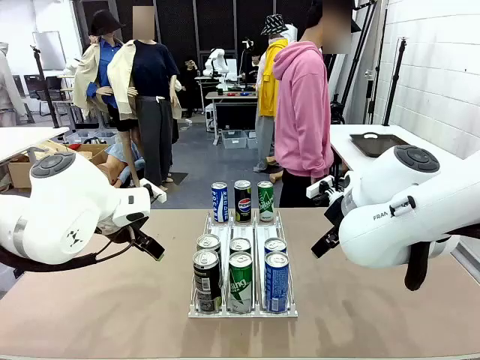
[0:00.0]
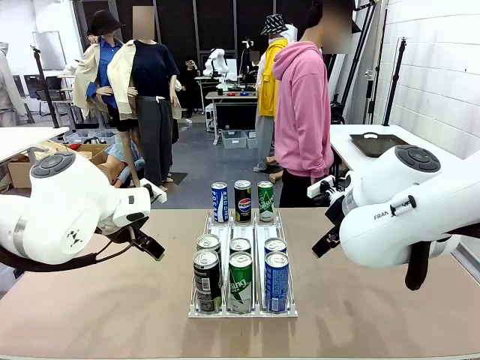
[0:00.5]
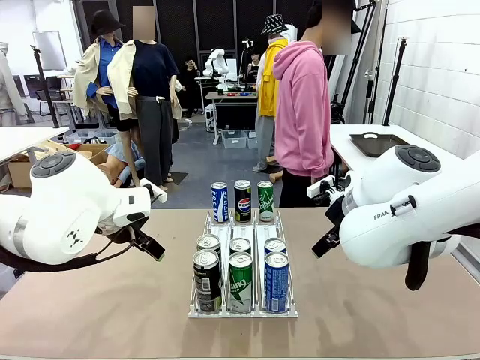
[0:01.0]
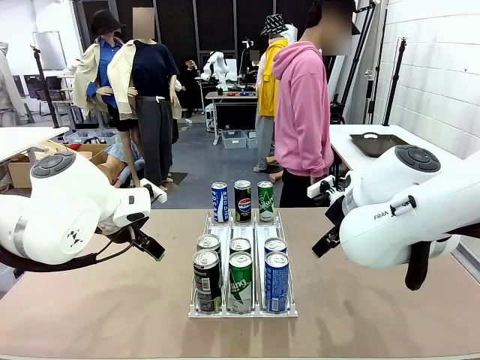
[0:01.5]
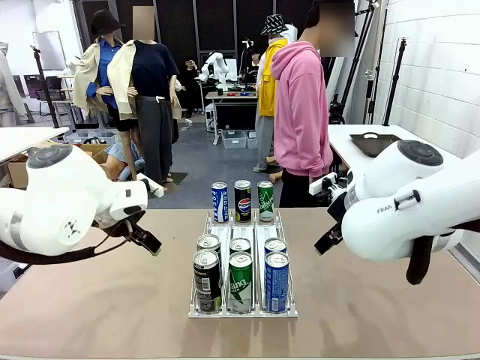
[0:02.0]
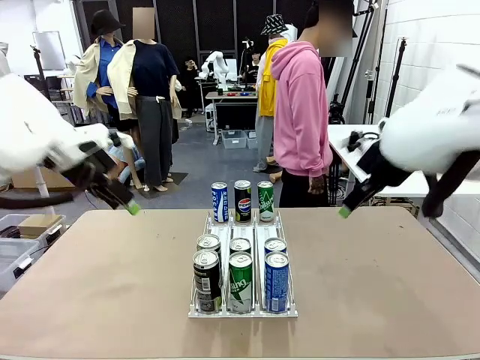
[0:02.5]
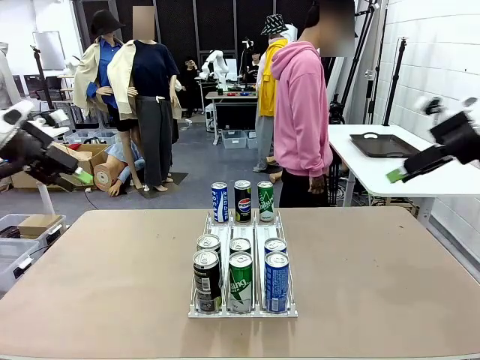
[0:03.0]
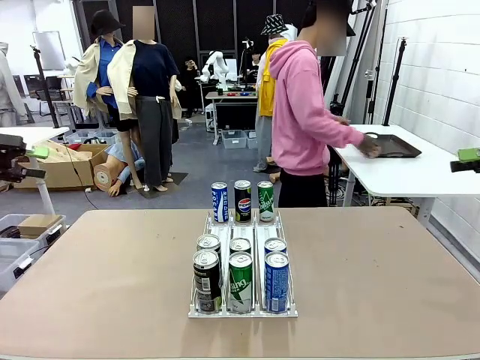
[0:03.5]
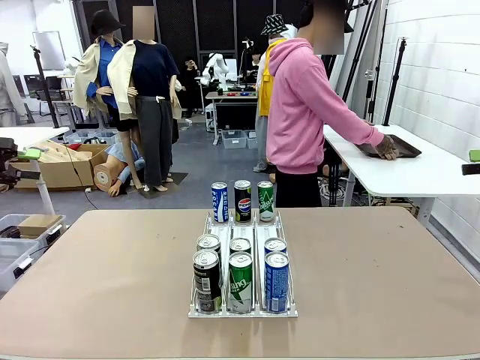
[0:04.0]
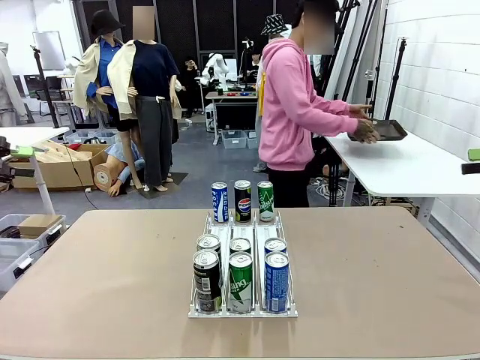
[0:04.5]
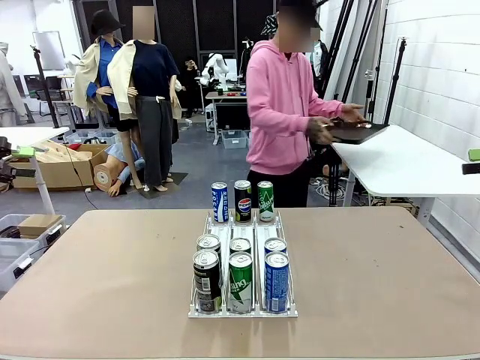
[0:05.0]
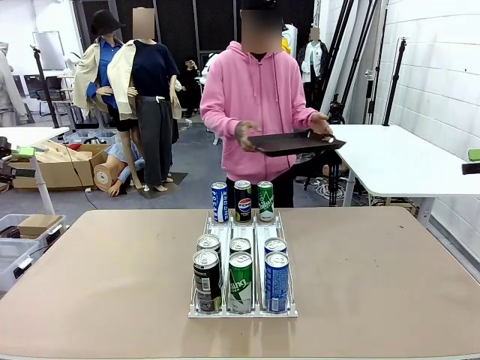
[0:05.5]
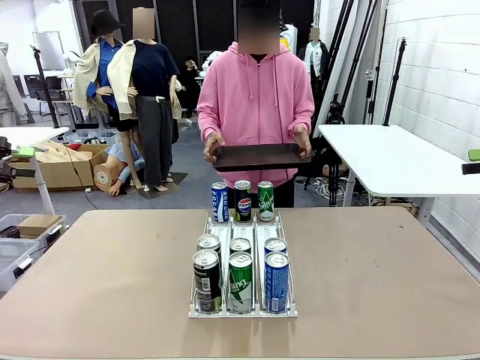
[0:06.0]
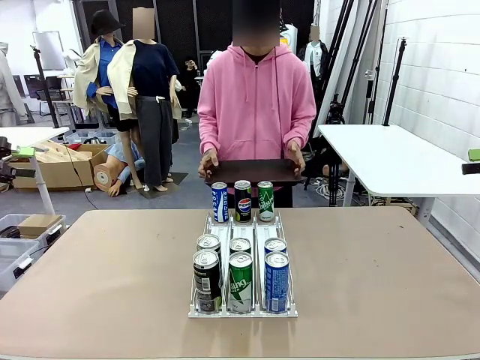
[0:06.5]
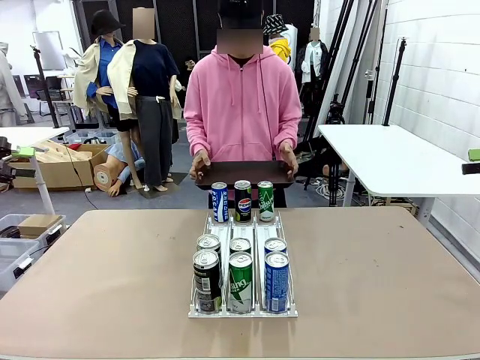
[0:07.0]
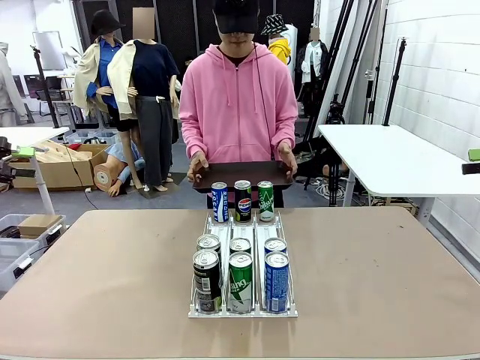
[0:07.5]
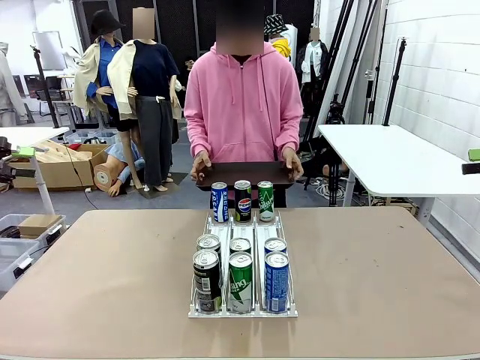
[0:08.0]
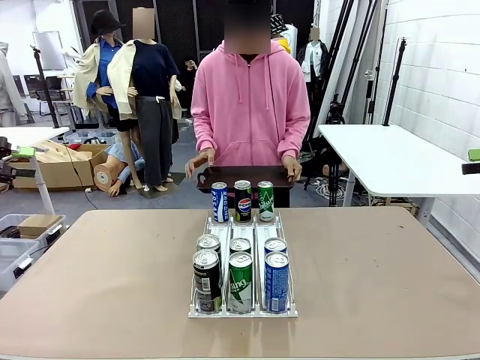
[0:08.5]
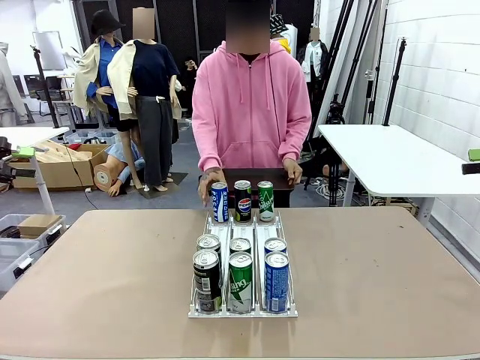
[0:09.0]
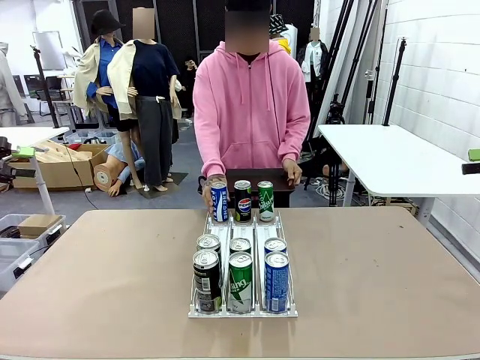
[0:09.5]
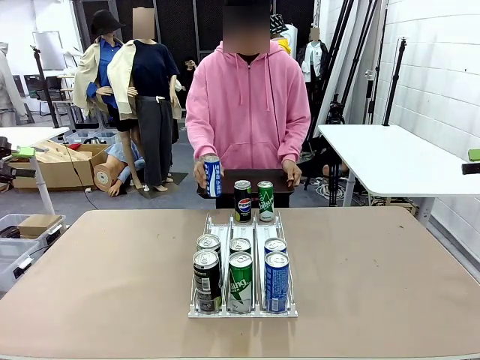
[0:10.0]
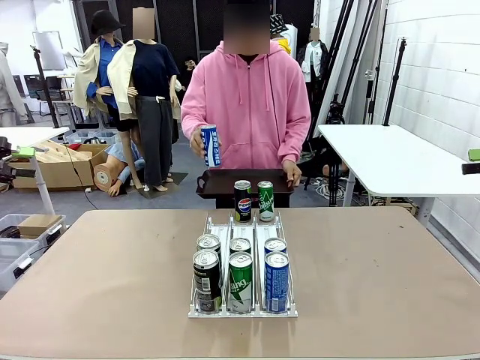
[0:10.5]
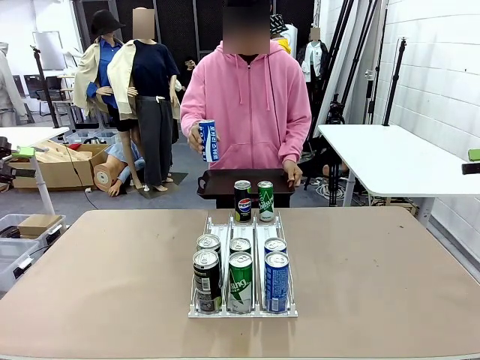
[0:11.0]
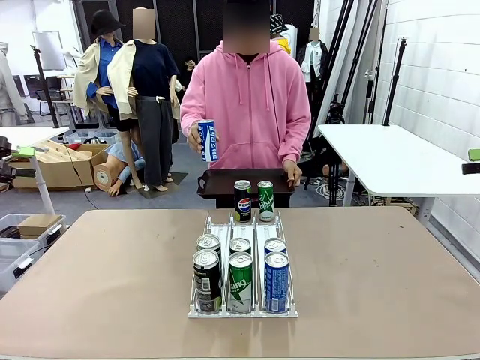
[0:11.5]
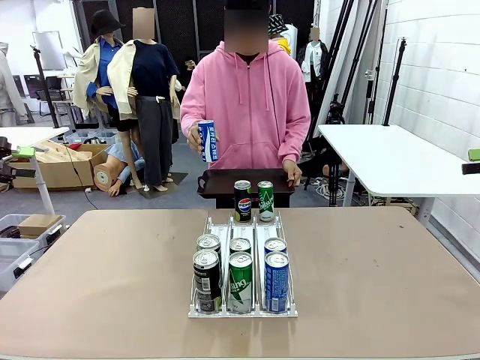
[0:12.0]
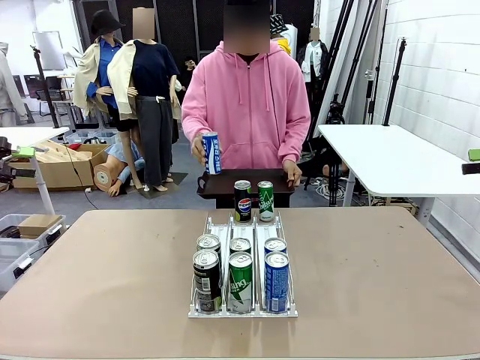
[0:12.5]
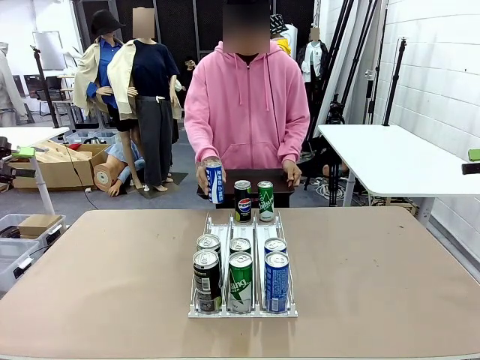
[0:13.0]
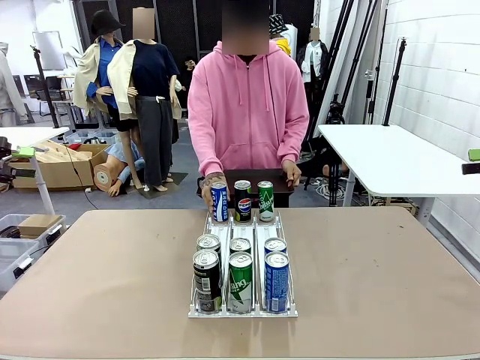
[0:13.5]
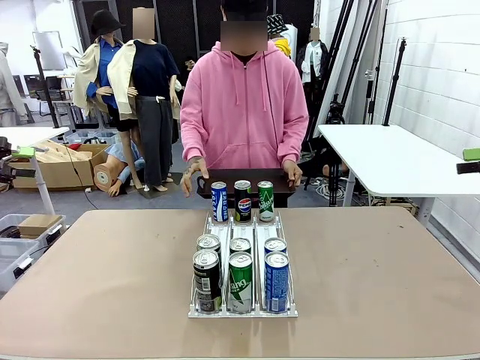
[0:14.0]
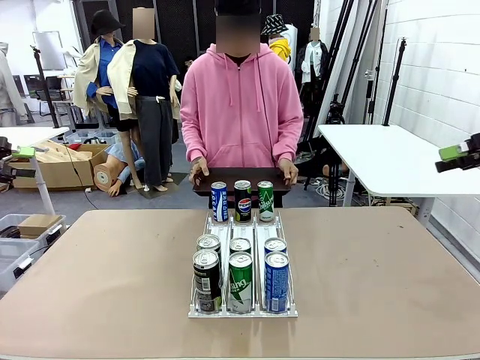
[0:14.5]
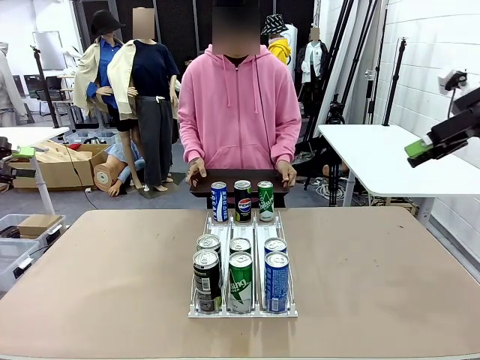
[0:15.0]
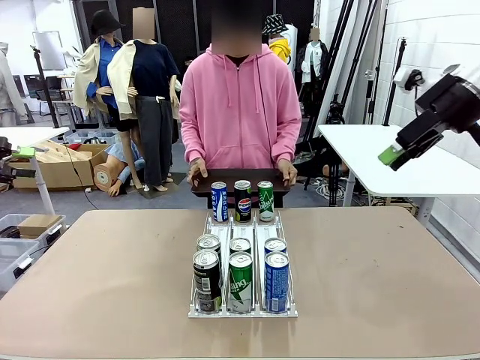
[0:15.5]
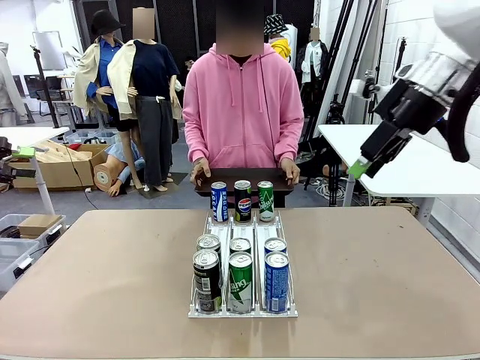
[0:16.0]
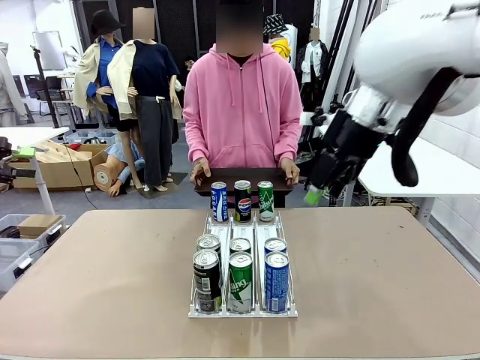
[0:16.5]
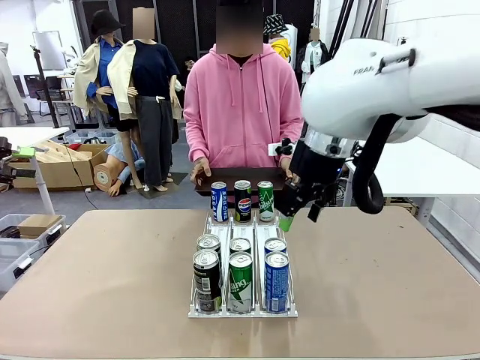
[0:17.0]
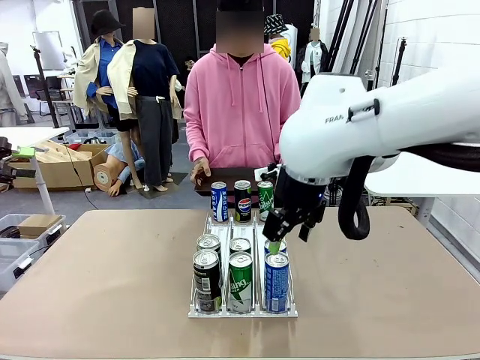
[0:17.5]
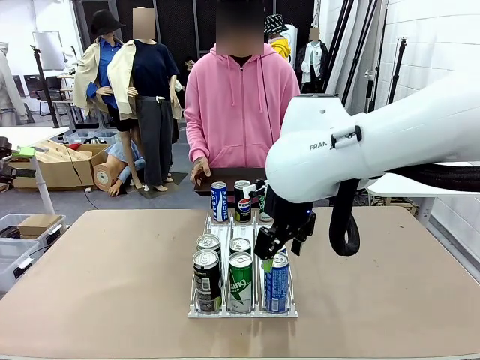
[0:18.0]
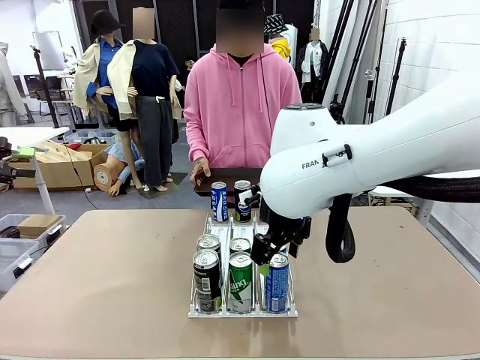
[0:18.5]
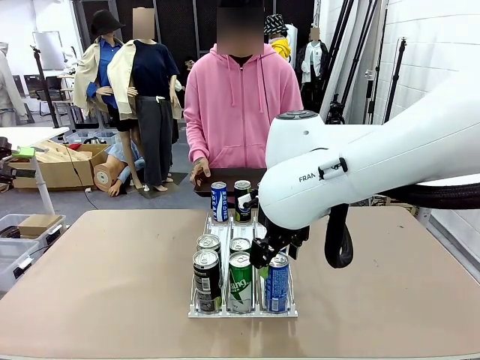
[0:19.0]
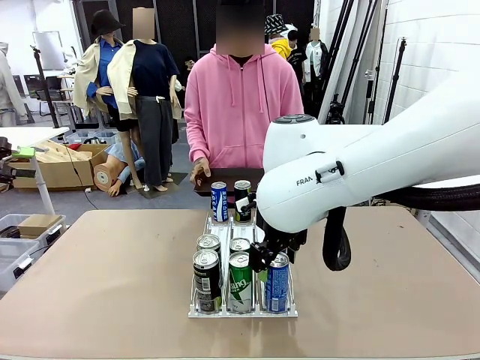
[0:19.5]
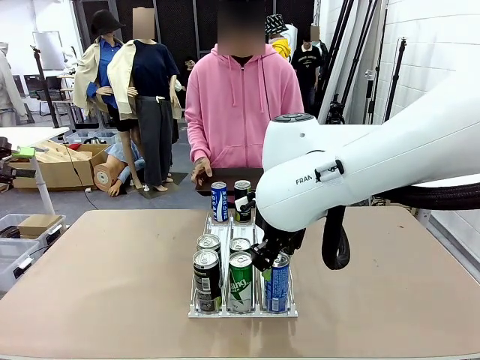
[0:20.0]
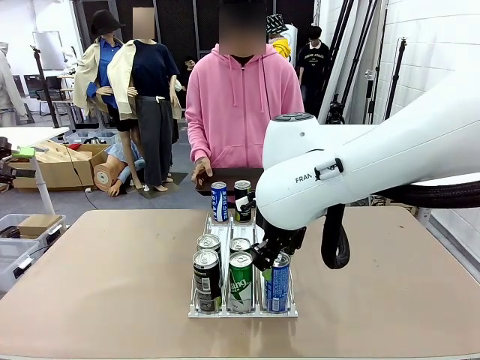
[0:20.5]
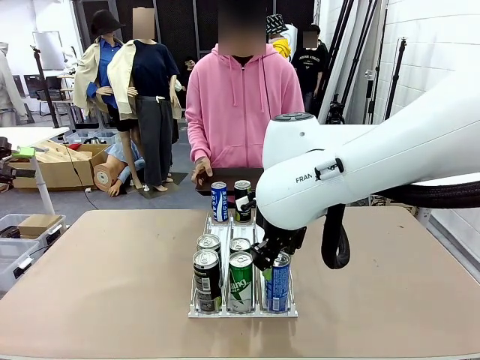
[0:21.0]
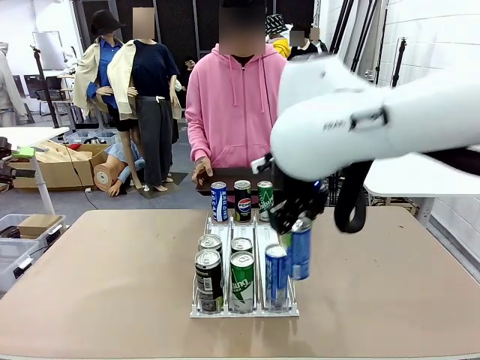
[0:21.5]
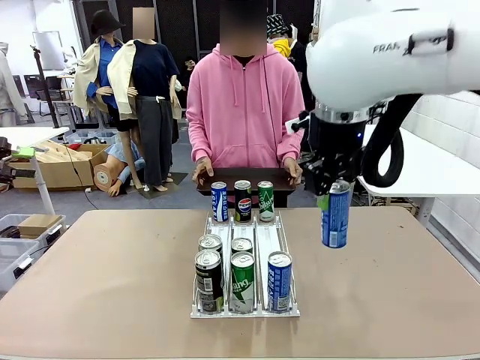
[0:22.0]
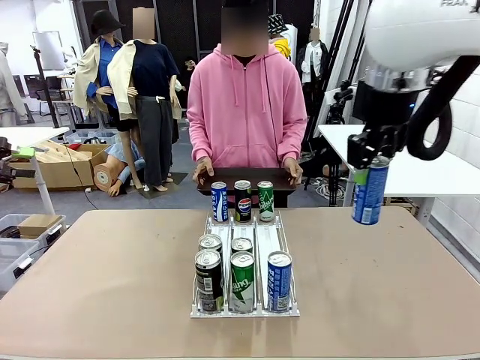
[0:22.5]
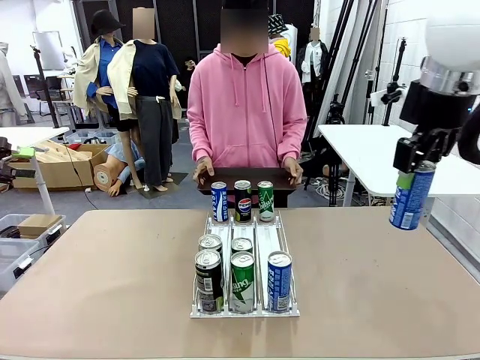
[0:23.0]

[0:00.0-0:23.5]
Task: Retrieve and hand over the desired beverage to the person.
Robot: Pick up a can of the same type that the person held from the Automatic Can Dispenser.
Person: Hold the tray and position yourself in front of the robot table. Pick up one can from the bottom area of the table and puts it back in its original place. Push the tray toward the robot.
